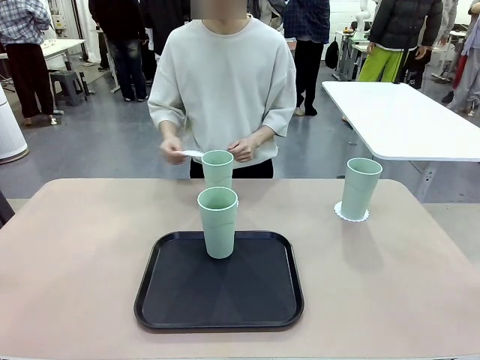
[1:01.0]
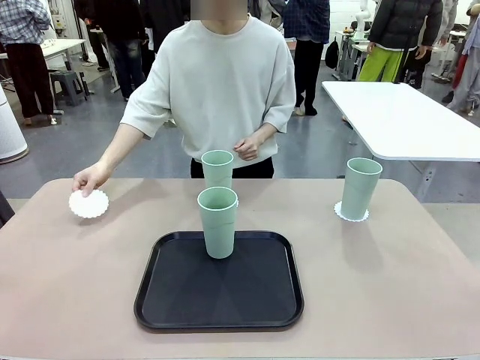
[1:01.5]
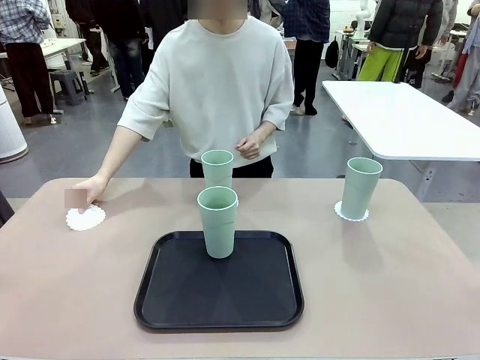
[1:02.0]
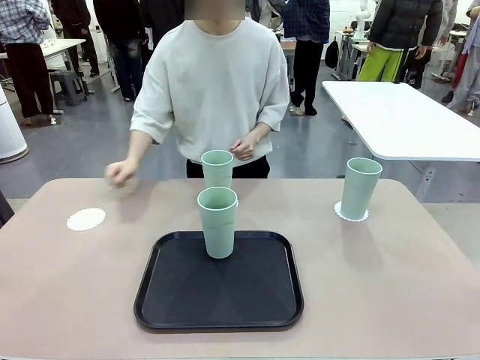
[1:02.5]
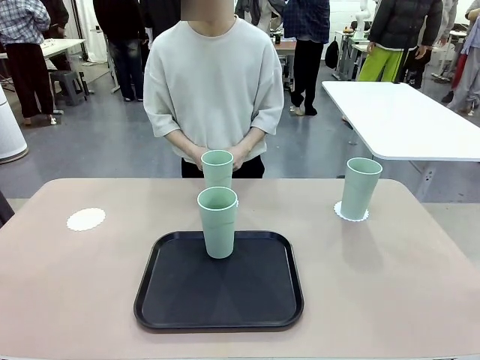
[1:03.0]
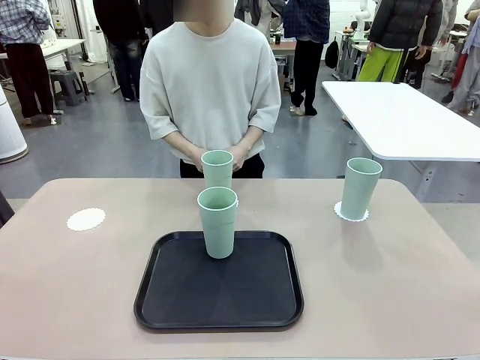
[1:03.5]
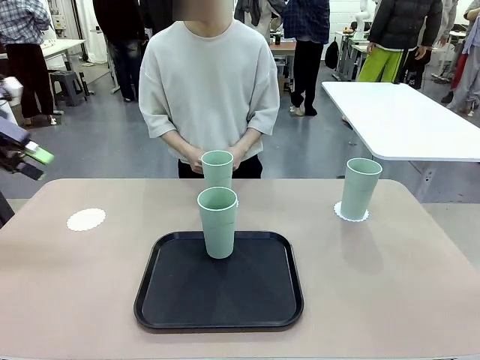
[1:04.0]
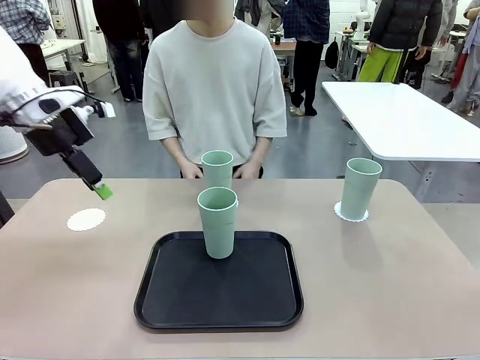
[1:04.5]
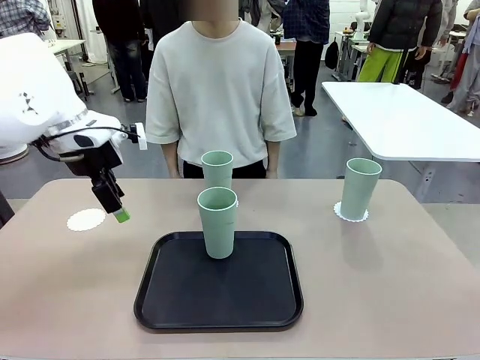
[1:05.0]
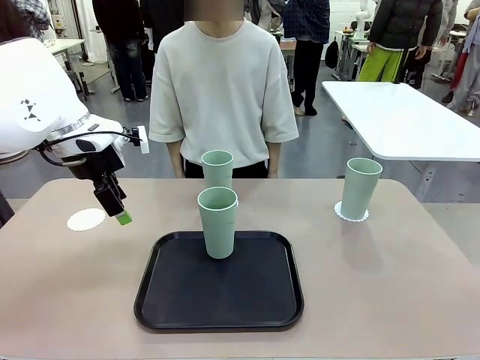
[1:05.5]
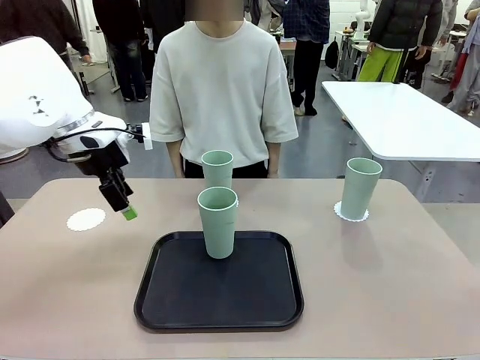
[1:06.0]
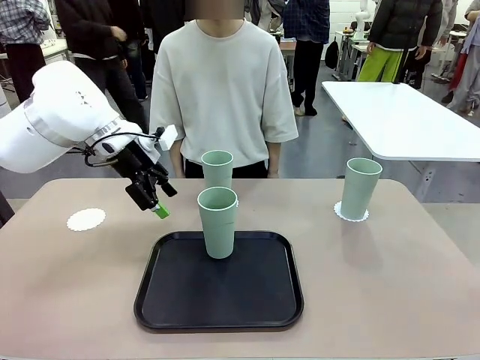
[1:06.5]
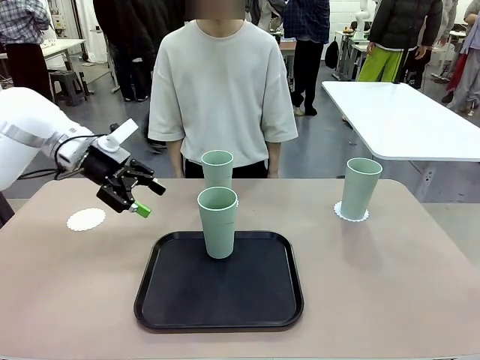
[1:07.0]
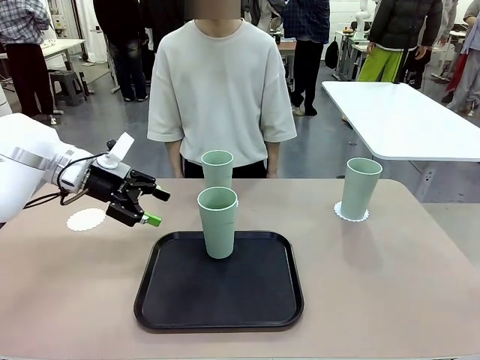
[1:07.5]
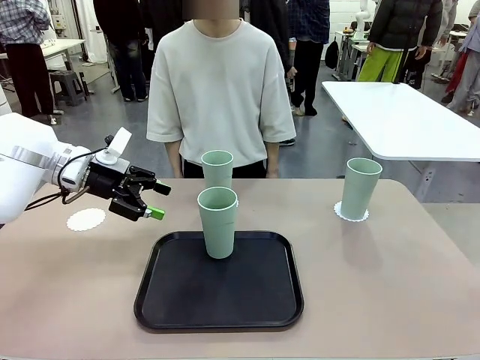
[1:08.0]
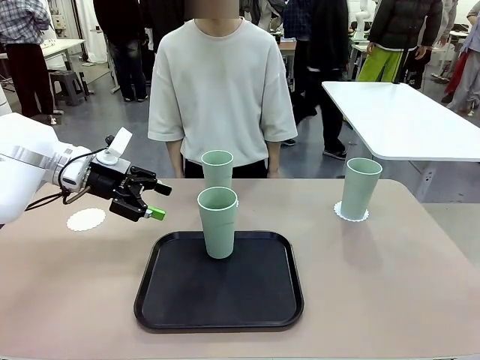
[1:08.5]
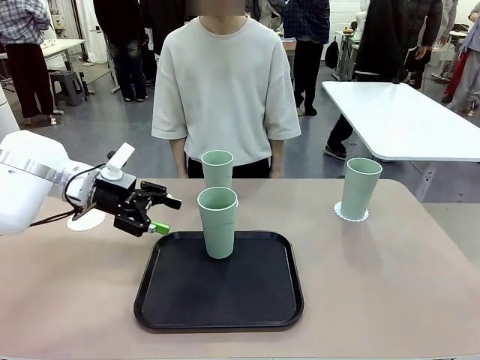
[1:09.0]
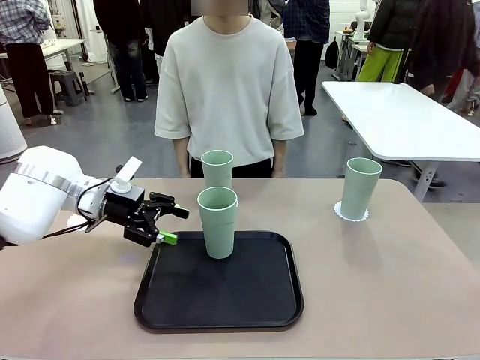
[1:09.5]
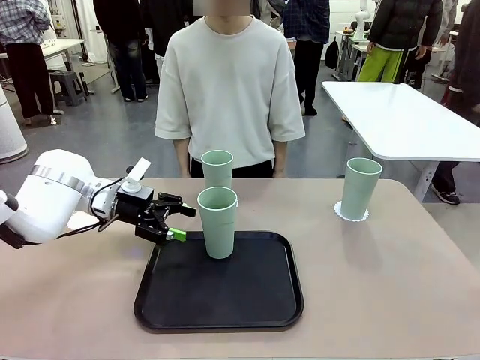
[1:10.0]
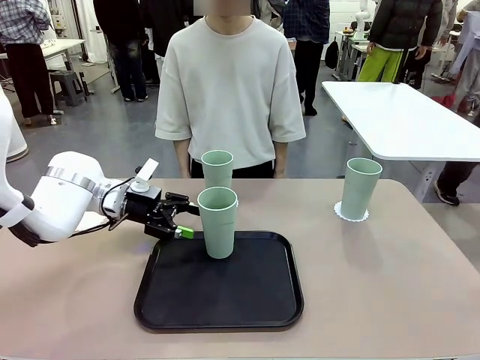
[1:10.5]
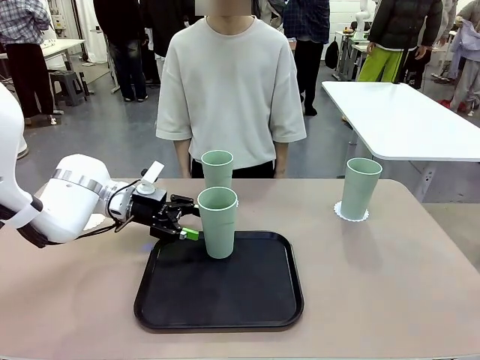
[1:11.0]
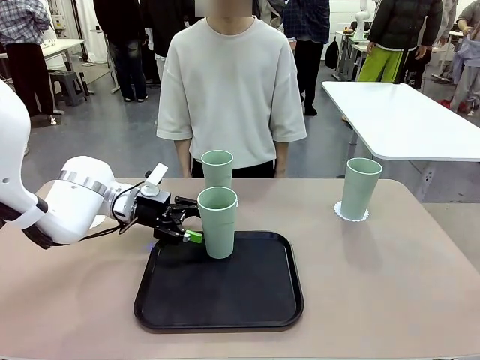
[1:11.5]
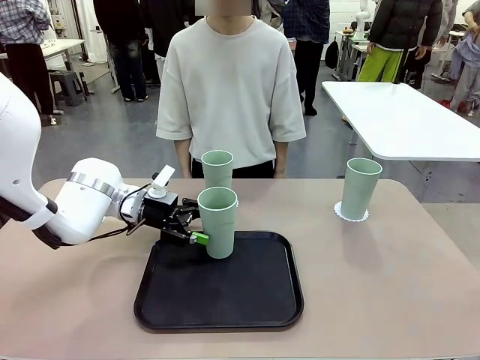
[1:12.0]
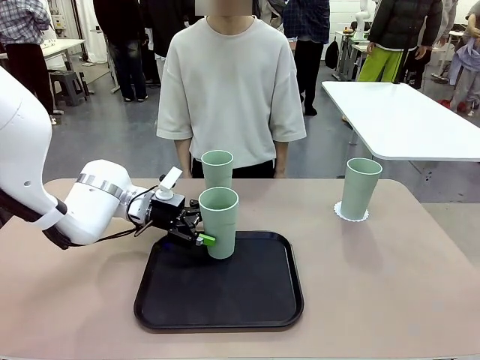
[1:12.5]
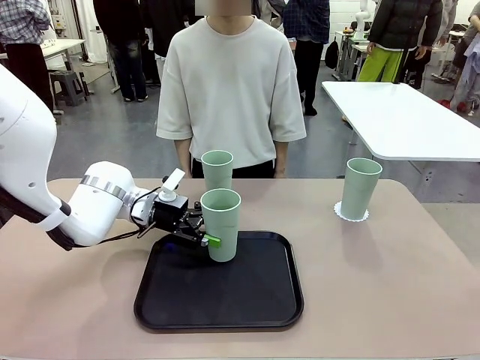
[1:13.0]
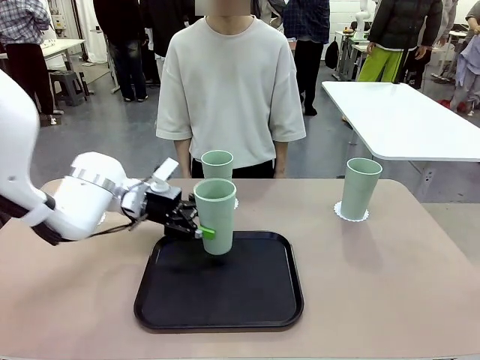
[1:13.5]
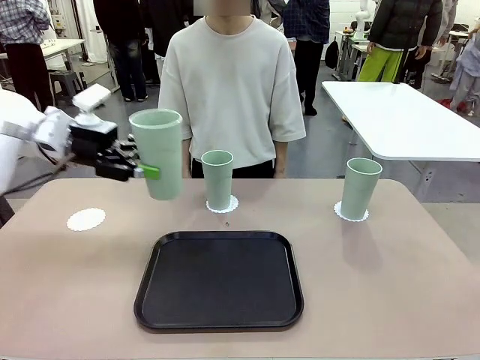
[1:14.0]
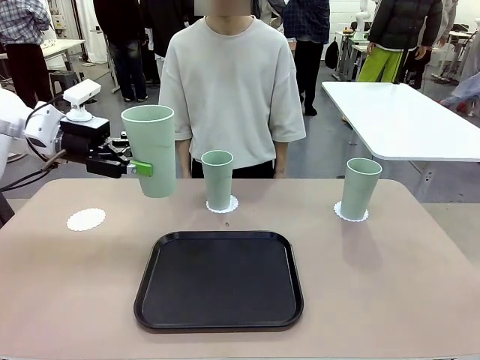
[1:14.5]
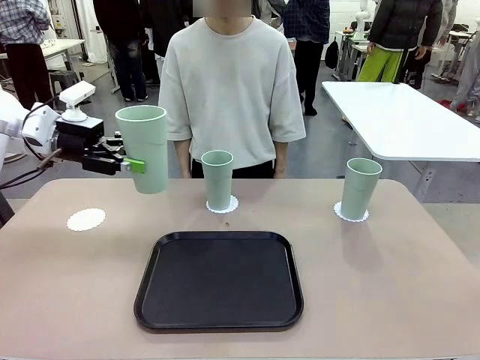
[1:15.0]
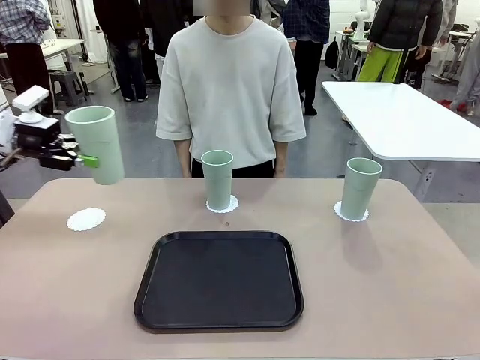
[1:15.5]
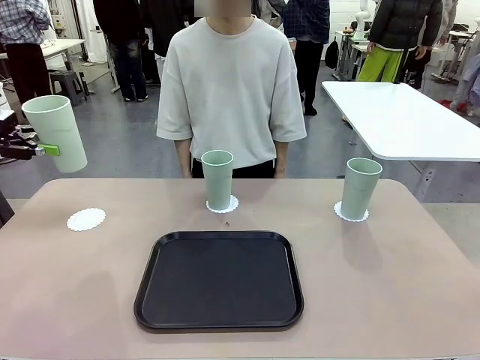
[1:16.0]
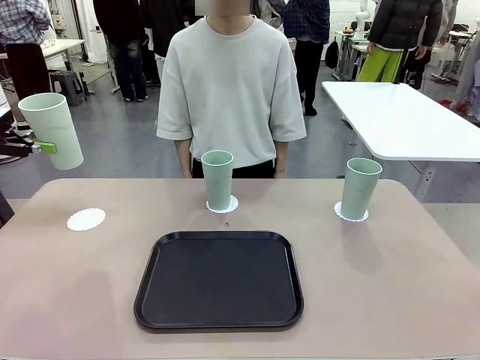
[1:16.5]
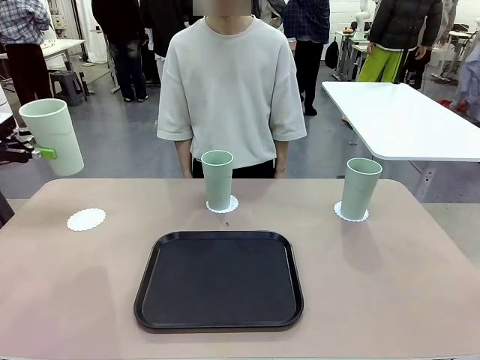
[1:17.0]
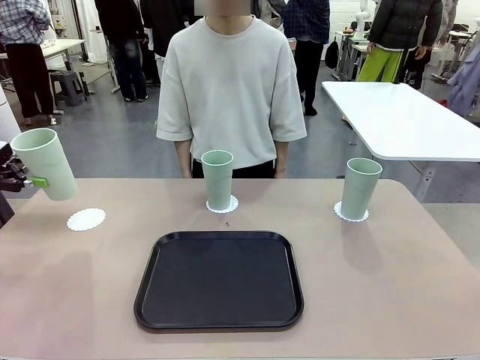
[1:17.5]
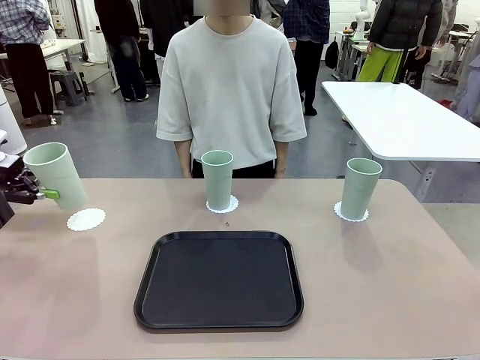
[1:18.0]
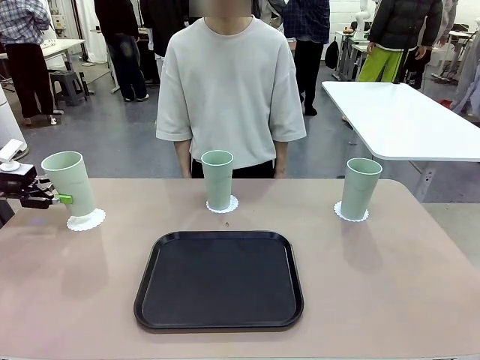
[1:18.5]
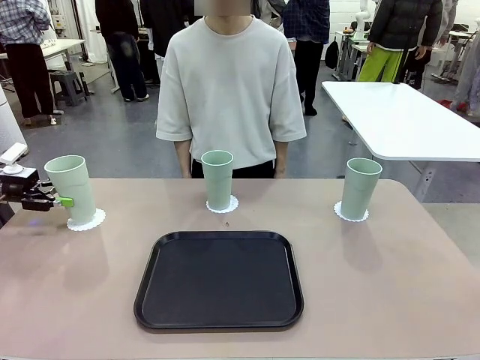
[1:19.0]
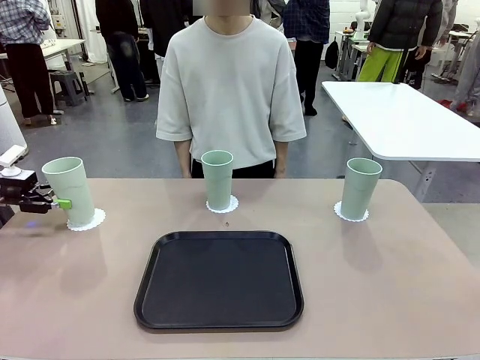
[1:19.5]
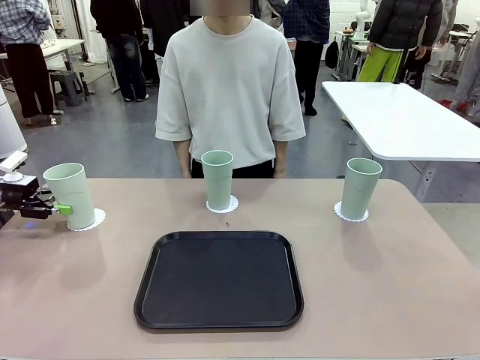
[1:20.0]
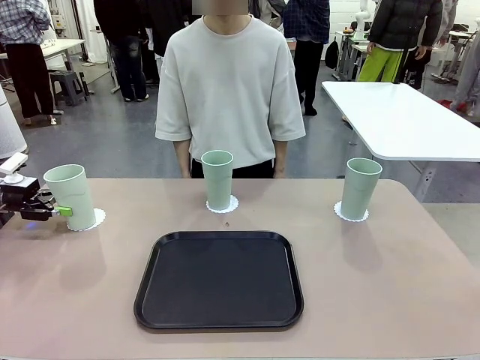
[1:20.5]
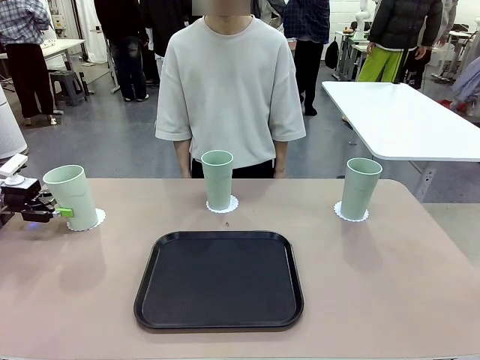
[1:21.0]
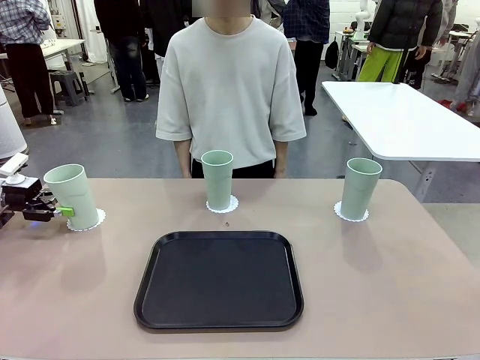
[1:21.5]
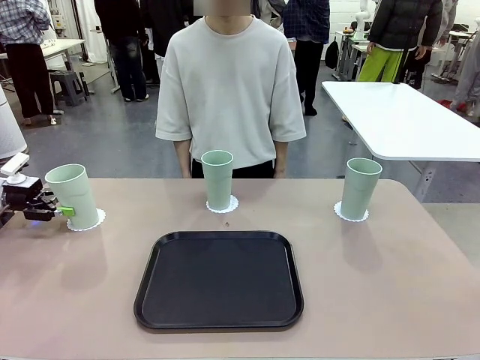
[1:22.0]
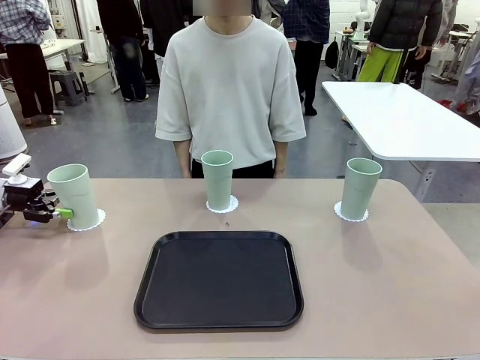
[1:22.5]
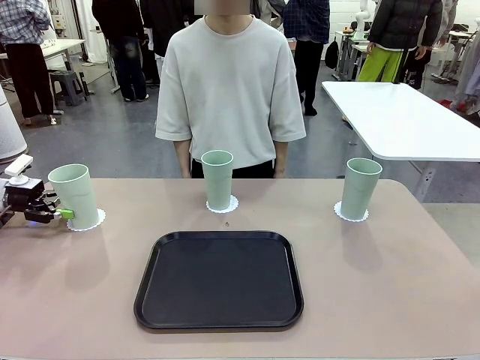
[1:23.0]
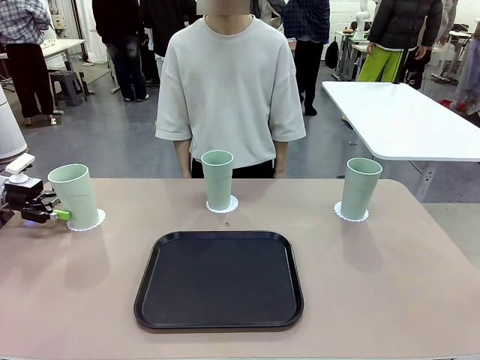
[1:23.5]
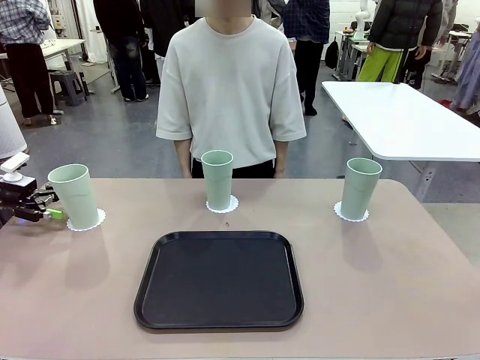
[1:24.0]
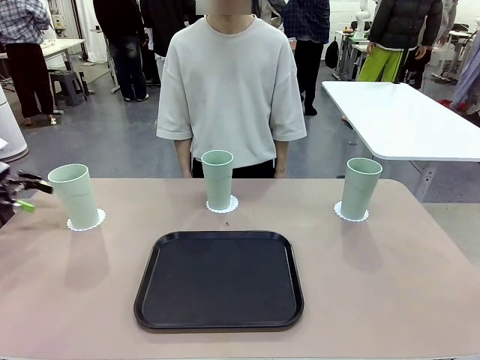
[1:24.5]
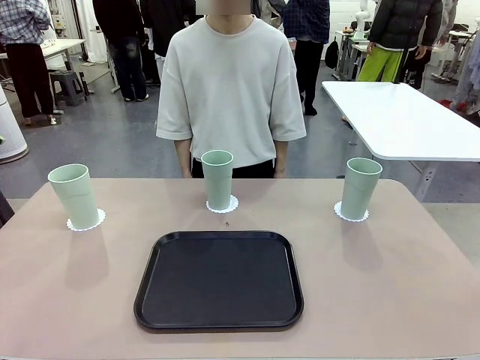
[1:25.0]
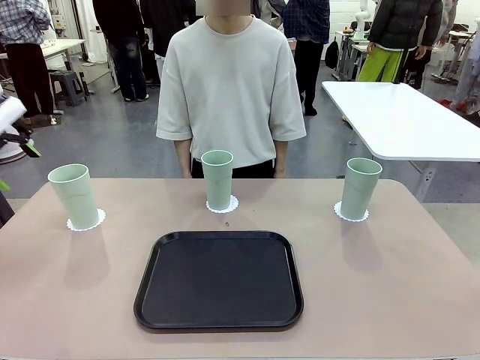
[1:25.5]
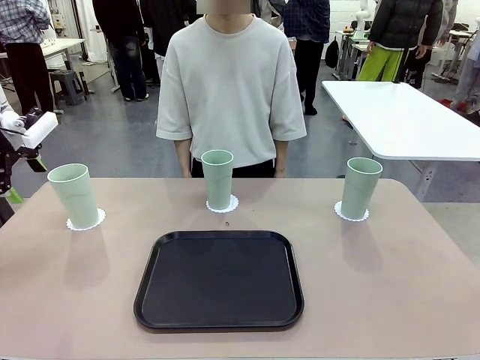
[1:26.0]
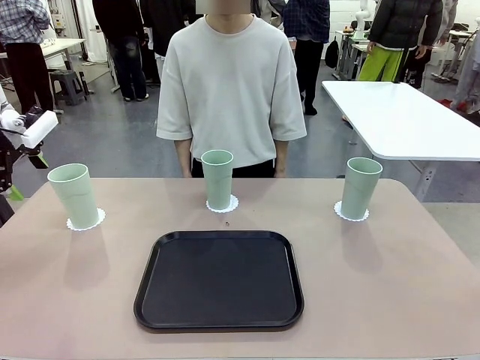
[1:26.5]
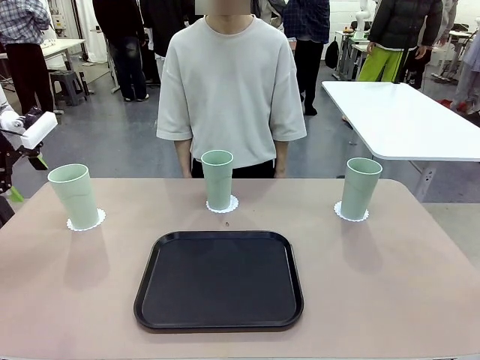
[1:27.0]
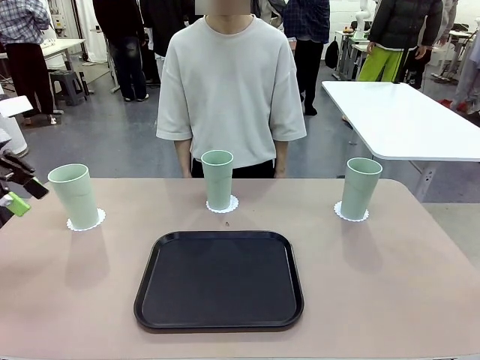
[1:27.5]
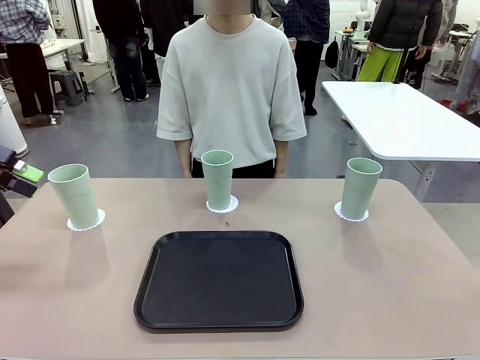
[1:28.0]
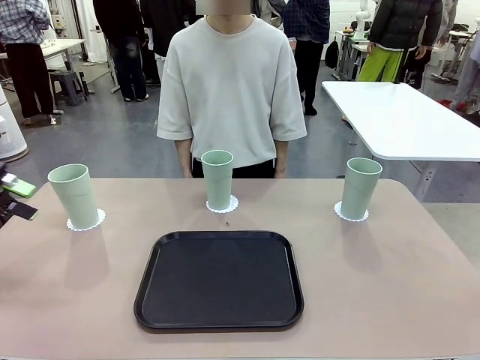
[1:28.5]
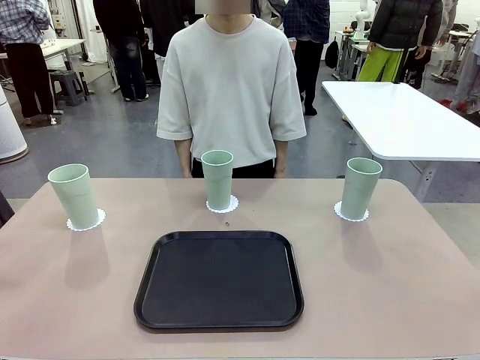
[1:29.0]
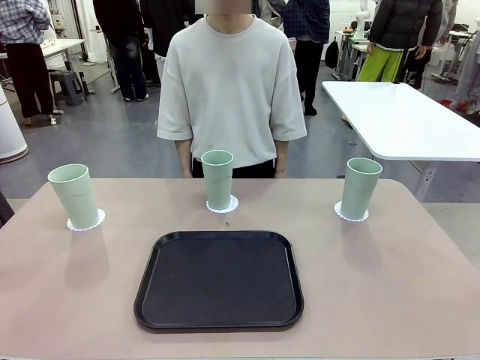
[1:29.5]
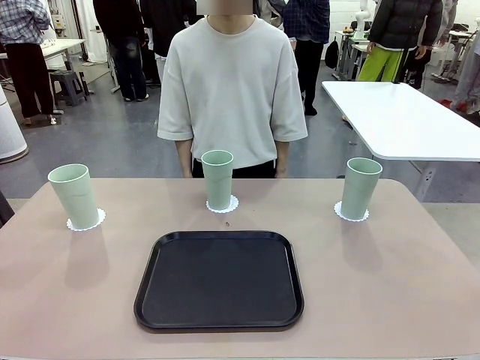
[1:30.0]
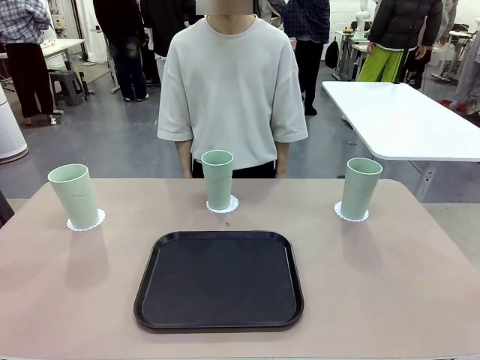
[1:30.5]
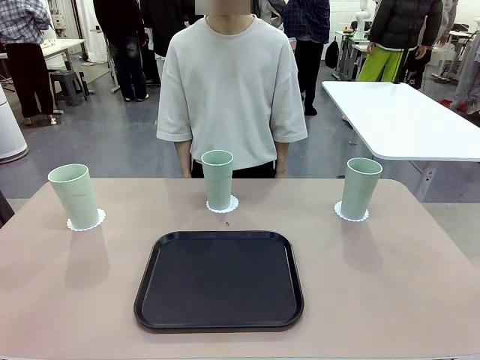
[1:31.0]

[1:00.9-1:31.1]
Task: Place coasters on the table and set cups on them.
Robot: Take one Reusable plastic cup from the Flat Tray and place it on a coaster set by the human.
Person: Place one coaster in the only remaining area.
